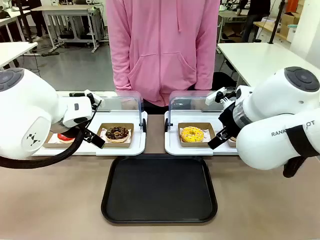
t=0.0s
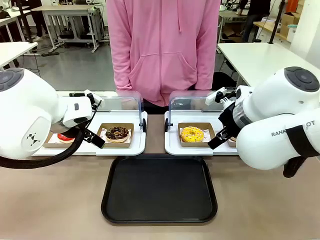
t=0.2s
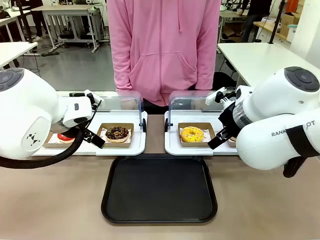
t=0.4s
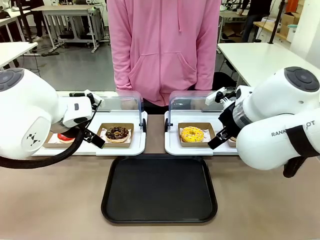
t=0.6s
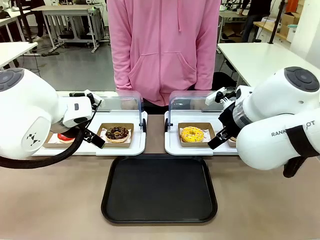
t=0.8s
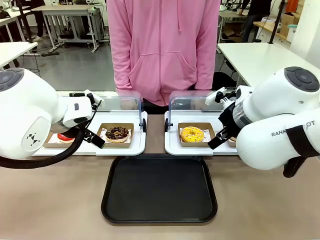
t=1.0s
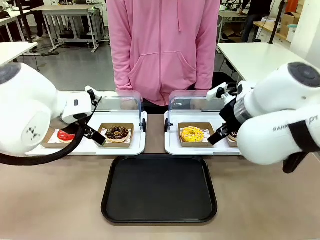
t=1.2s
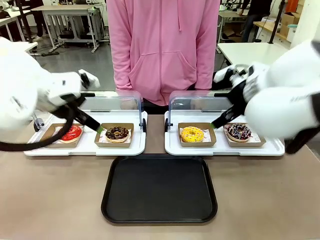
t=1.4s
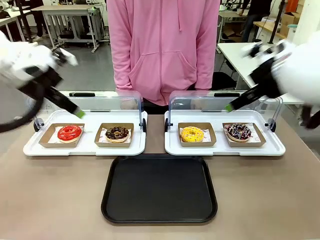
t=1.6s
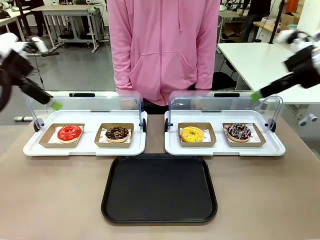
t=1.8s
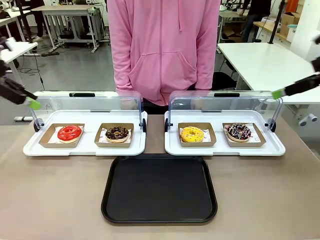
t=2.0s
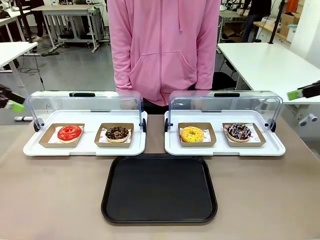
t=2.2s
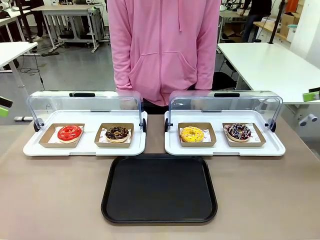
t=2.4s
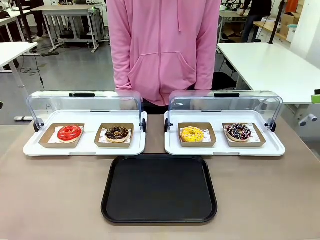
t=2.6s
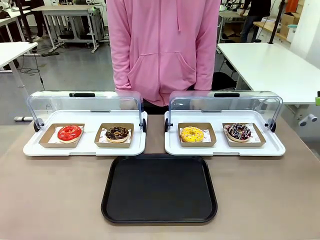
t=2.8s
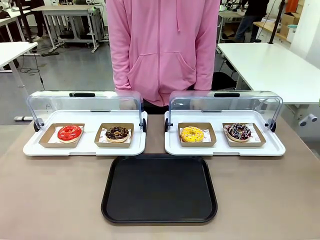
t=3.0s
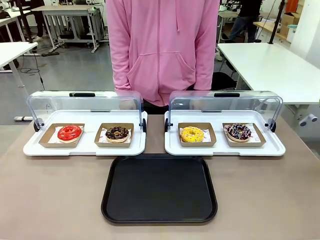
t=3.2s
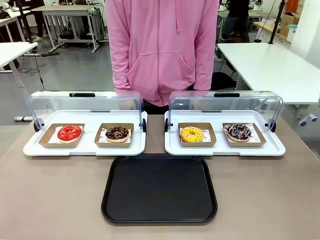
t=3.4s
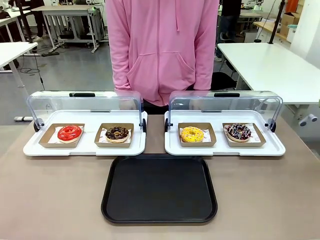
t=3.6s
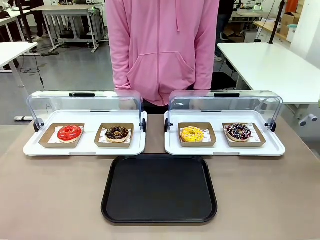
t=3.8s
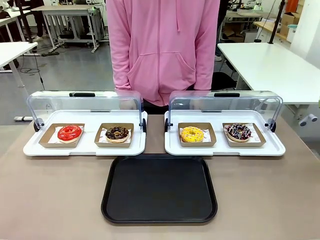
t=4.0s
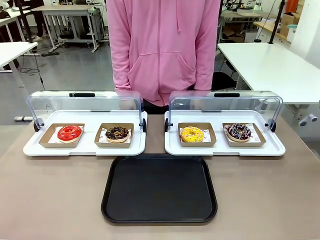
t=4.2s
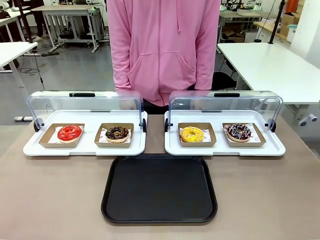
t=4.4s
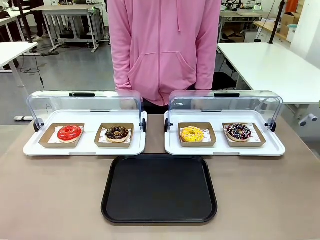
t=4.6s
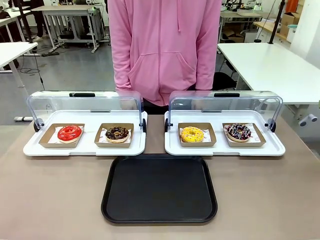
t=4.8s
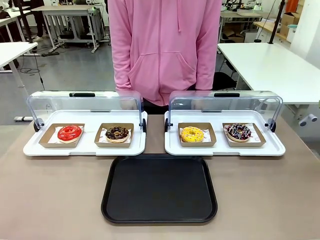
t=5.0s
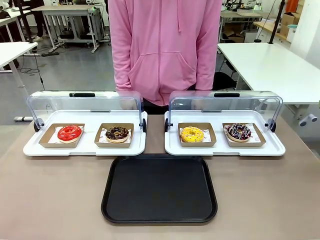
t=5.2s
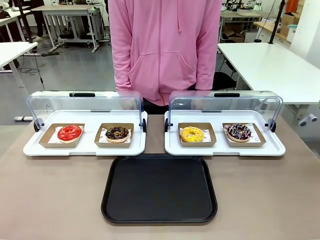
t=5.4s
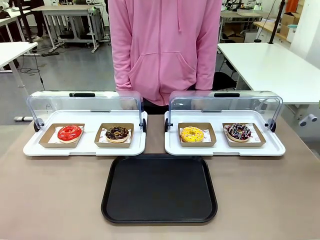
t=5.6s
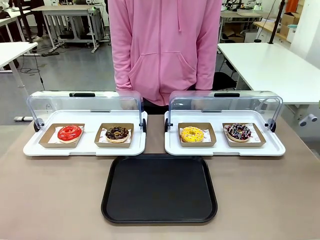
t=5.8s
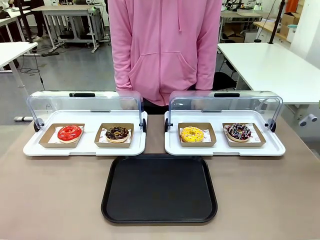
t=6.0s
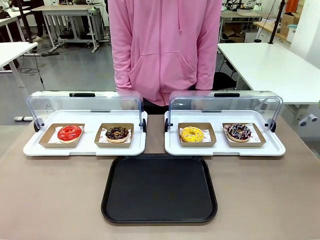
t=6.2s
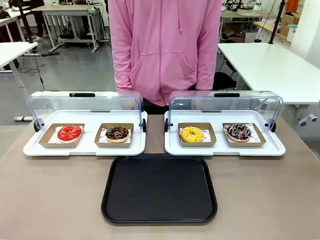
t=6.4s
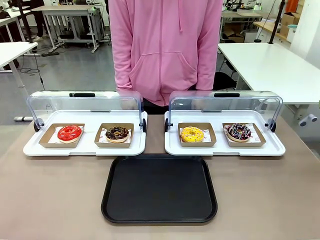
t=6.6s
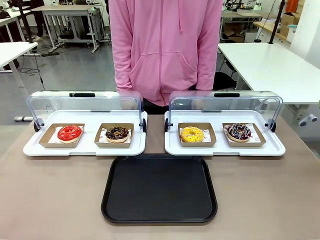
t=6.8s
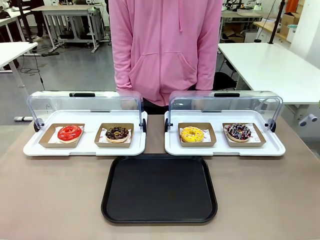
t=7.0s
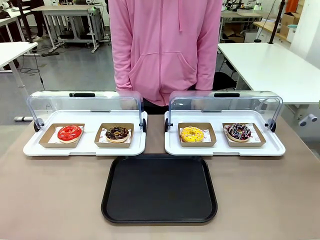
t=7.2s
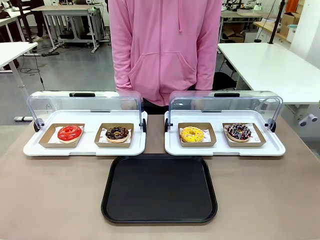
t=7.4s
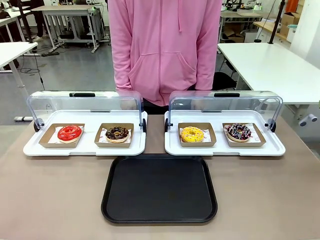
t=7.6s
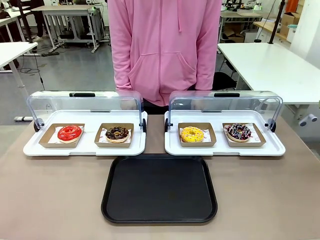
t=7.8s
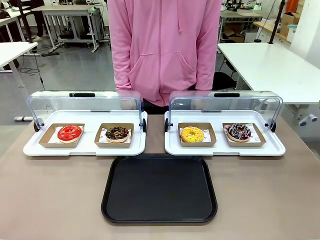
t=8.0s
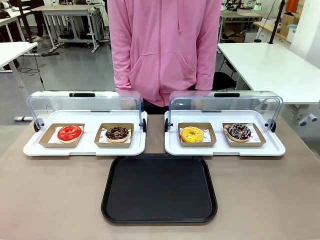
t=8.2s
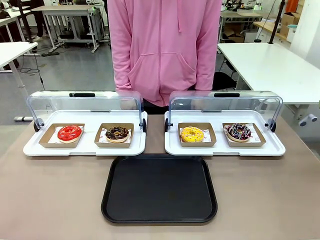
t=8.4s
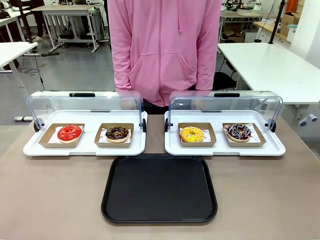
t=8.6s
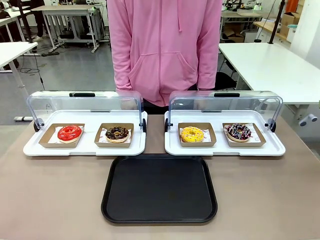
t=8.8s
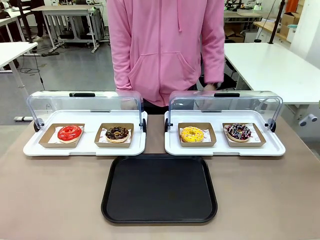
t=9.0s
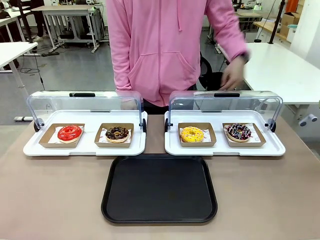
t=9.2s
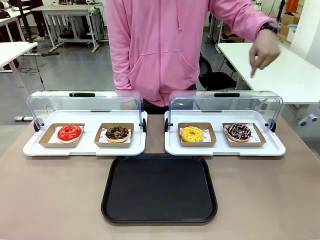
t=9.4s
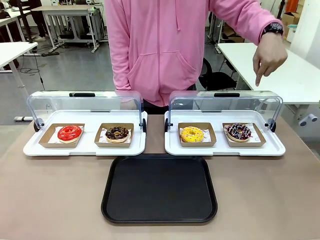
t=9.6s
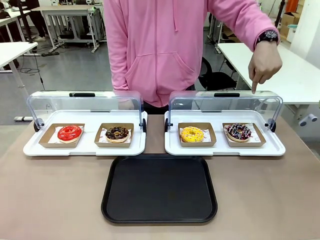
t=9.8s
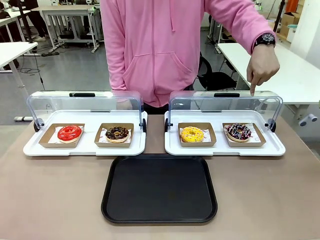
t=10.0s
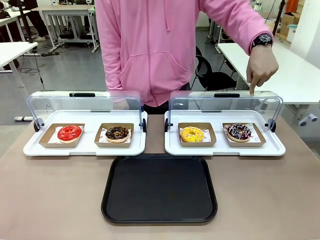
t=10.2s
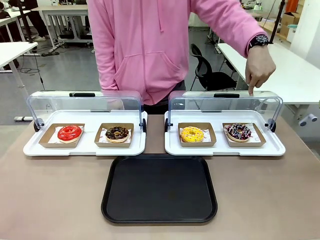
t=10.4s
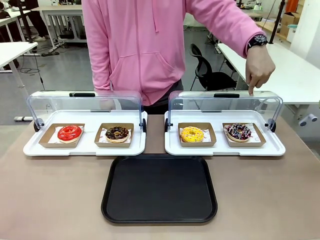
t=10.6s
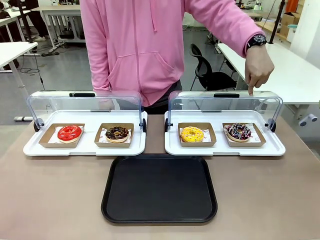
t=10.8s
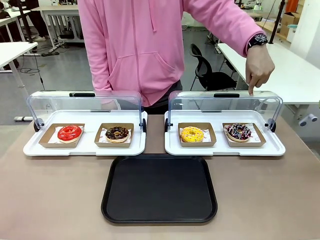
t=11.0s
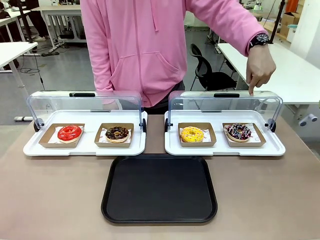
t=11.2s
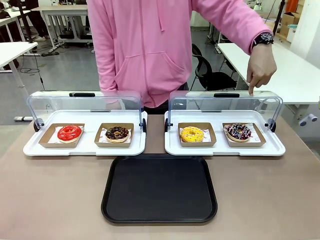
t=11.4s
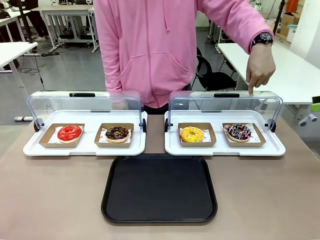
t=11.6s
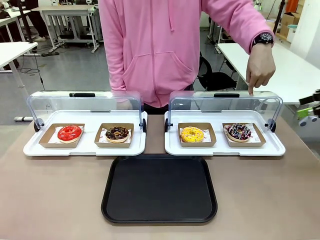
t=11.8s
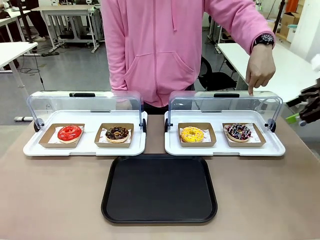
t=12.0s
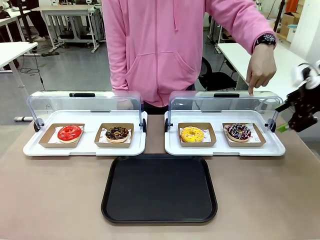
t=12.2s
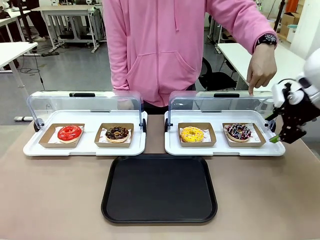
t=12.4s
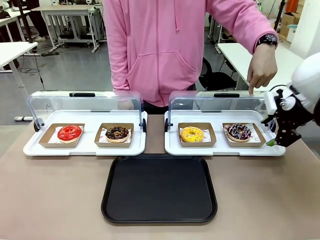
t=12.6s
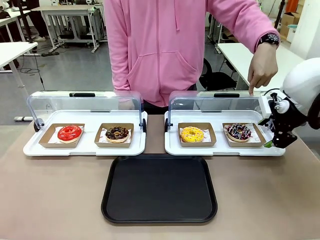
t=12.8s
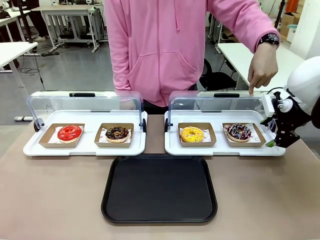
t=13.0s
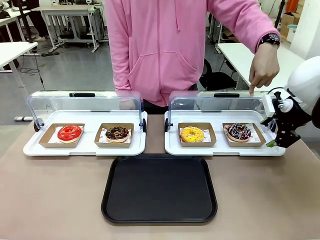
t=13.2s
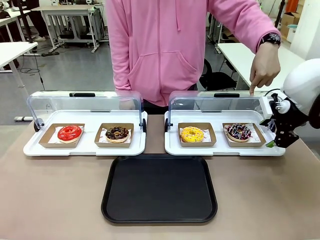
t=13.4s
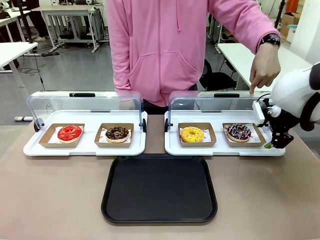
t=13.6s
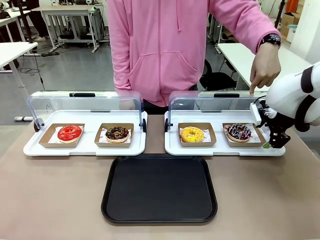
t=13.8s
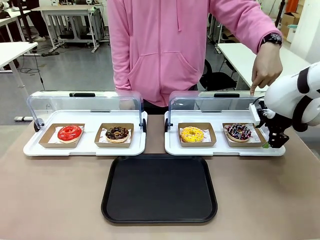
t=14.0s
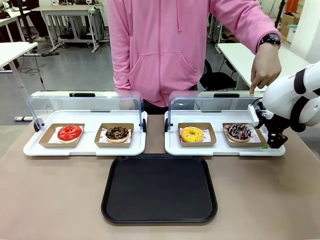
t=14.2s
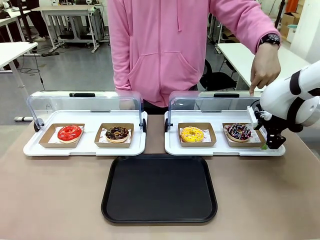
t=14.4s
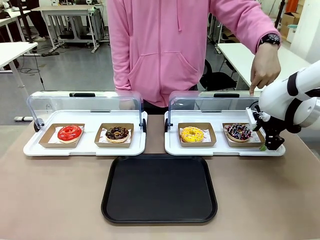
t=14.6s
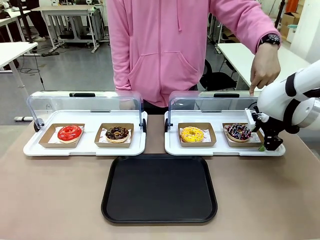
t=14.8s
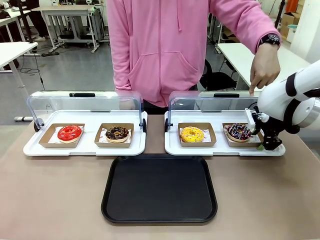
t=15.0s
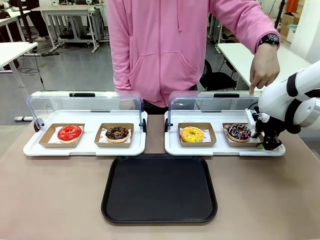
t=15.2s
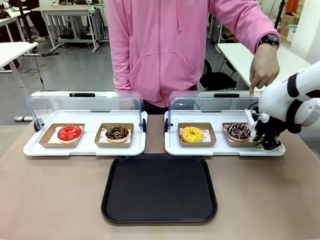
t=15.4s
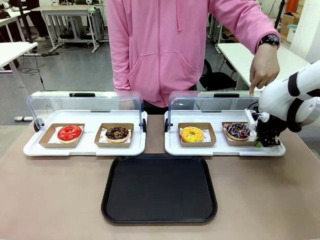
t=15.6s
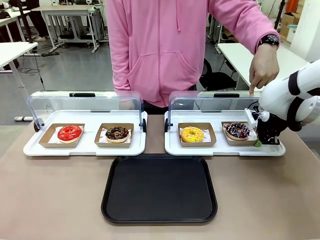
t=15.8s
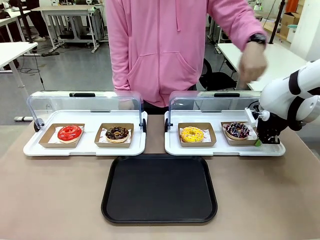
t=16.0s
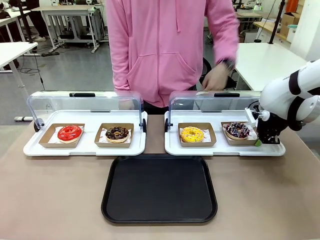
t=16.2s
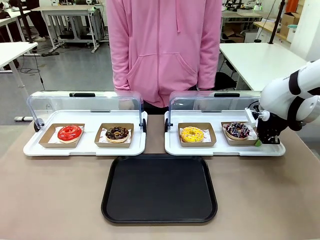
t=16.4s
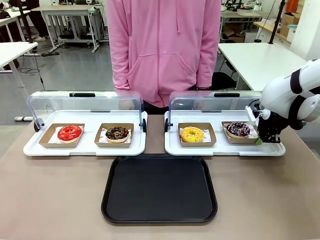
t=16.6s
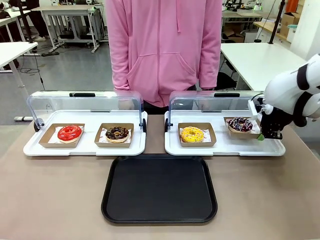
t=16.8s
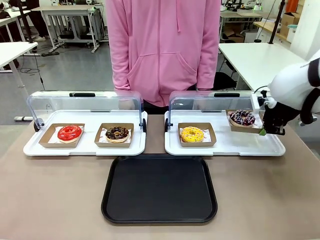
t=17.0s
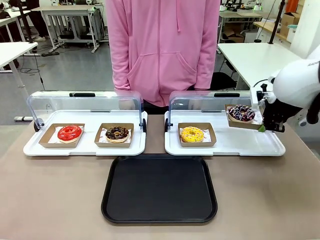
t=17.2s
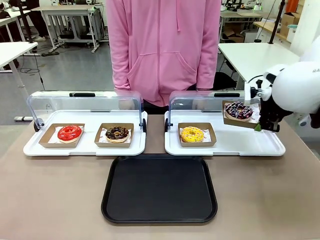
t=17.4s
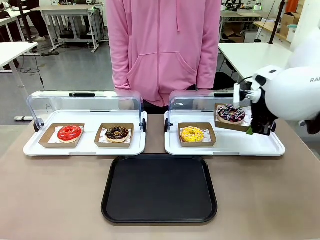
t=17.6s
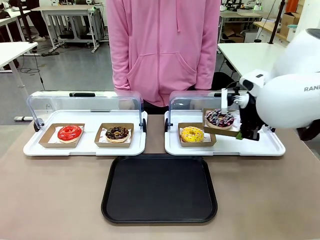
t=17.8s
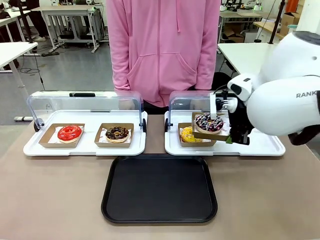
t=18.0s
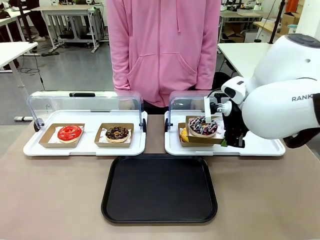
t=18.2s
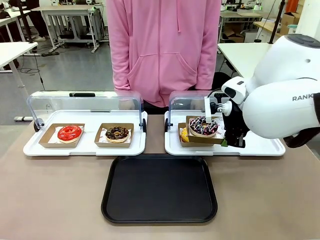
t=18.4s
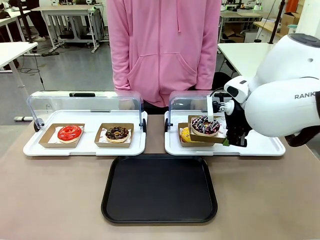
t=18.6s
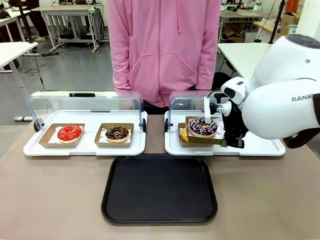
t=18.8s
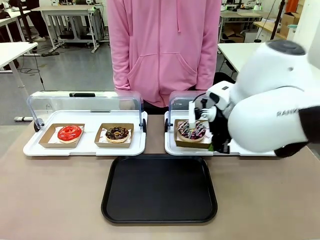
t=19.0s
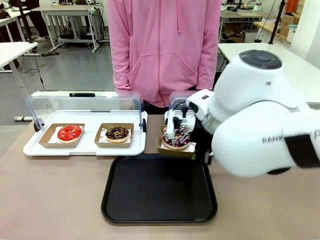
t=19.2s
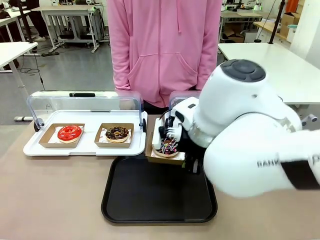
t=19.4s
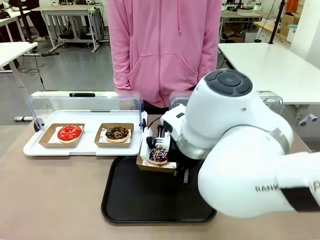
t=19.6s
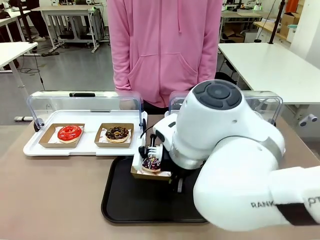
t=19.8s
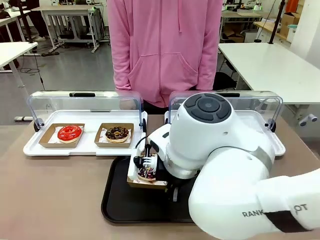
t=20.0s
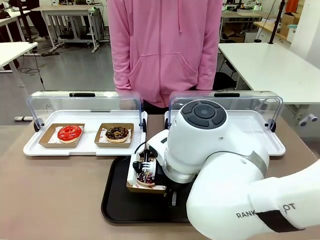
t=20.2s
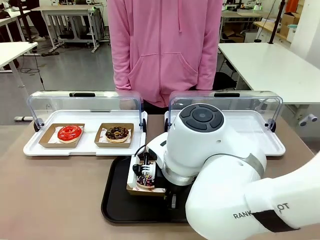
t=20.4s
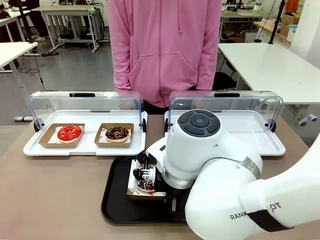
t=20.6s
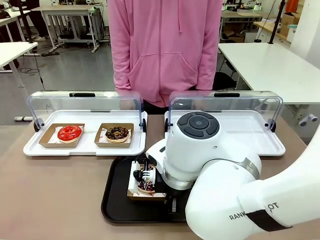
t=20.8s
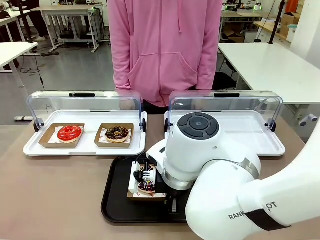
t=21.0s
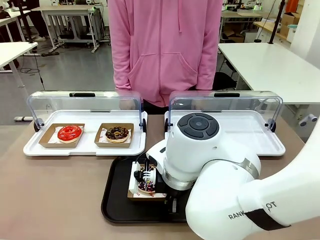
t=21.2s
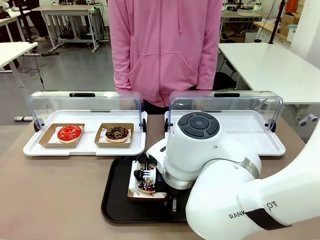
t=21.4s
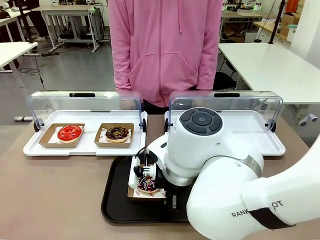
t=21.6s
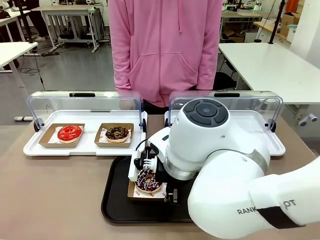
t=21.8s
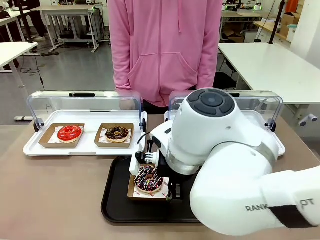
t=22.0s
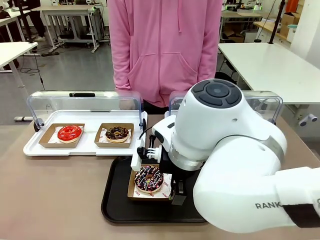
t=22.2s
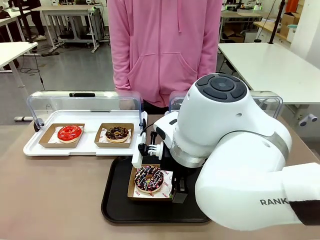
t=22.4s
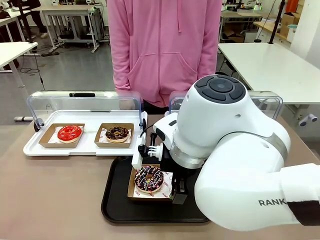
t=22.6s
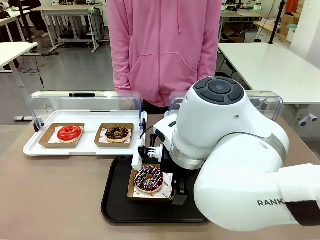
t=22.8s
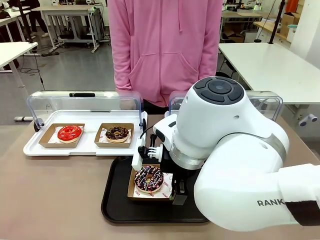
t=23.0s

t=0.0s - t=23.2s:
Task: Move the fourth donut from the left to the tray.
Robot: Pick up the Paper togo box containing the Donut indicated by the person and place it on the Handle tray.
Person: Points to the fourth donut from the left from the robot’s perspective.
